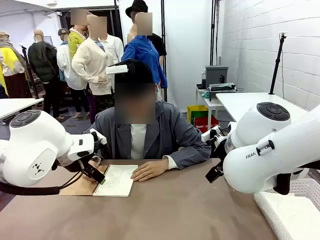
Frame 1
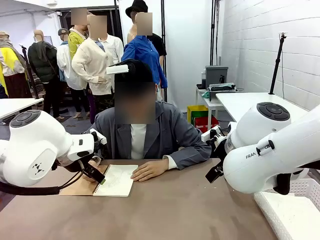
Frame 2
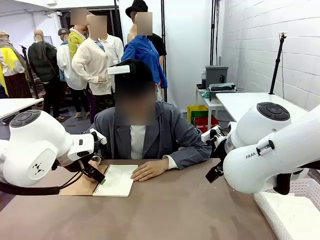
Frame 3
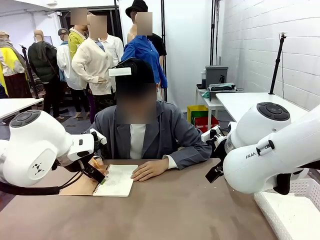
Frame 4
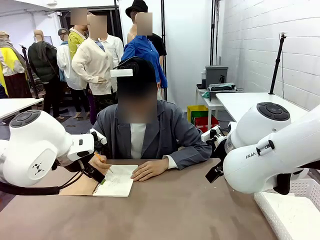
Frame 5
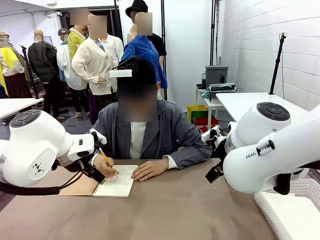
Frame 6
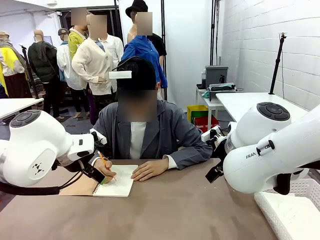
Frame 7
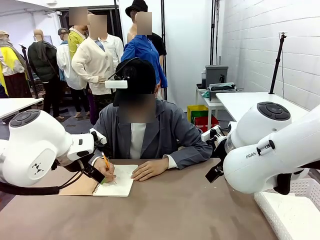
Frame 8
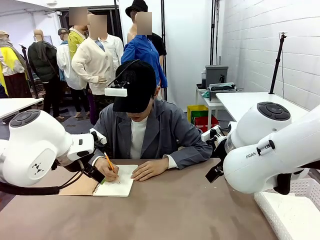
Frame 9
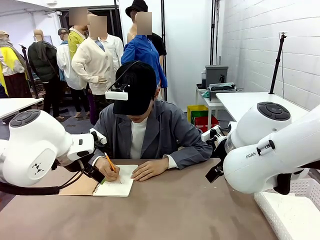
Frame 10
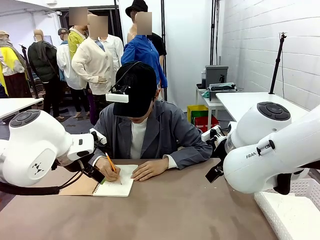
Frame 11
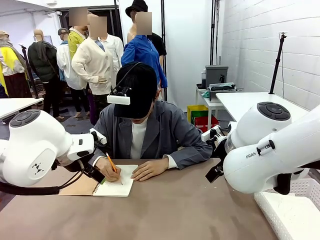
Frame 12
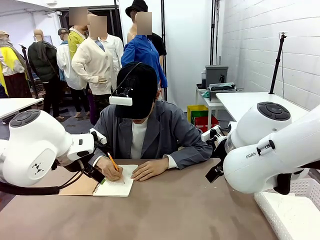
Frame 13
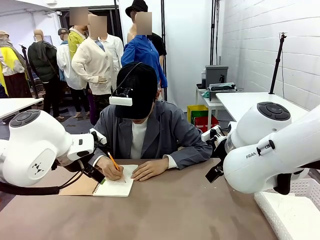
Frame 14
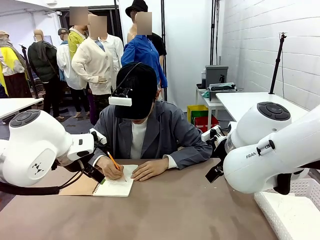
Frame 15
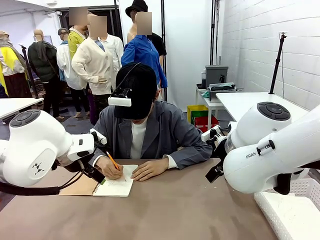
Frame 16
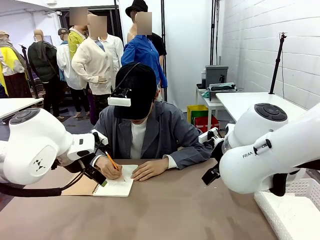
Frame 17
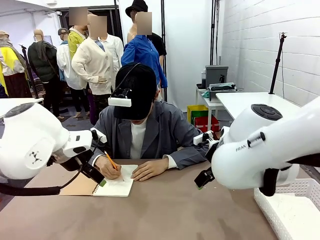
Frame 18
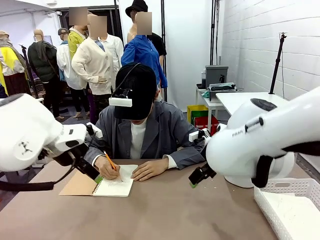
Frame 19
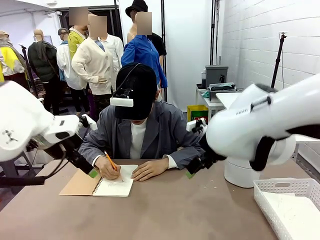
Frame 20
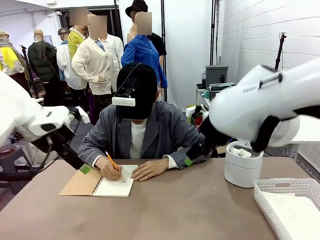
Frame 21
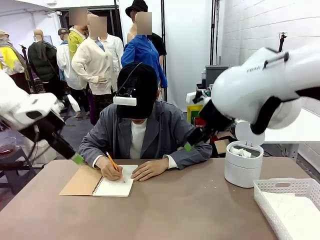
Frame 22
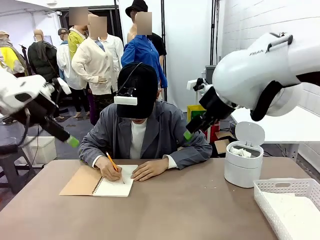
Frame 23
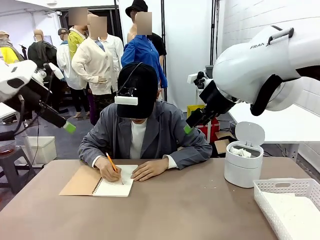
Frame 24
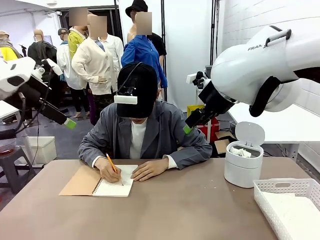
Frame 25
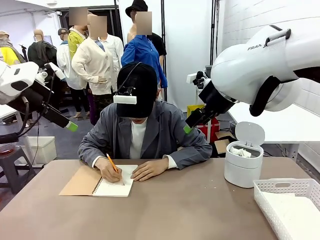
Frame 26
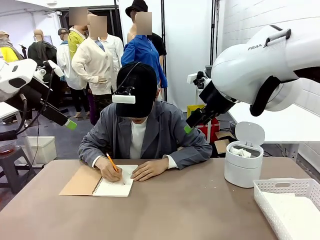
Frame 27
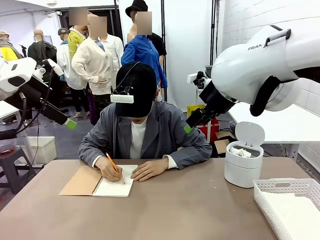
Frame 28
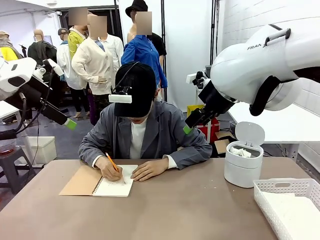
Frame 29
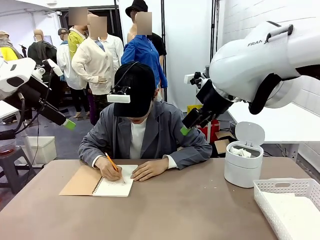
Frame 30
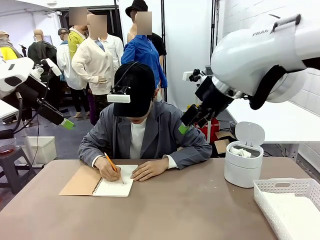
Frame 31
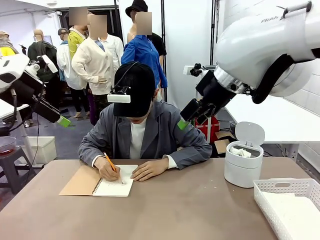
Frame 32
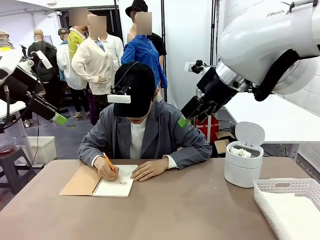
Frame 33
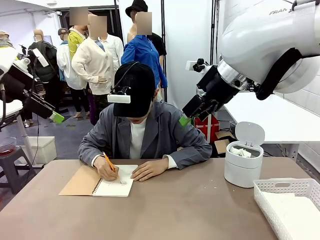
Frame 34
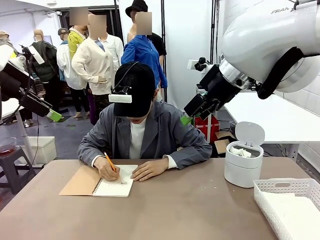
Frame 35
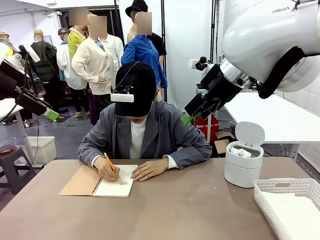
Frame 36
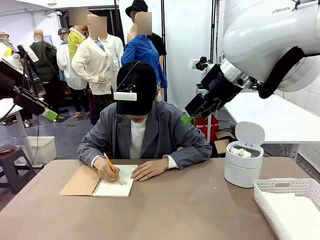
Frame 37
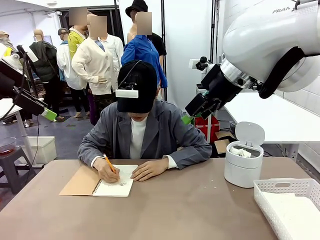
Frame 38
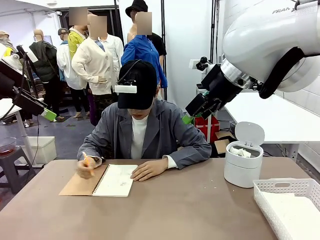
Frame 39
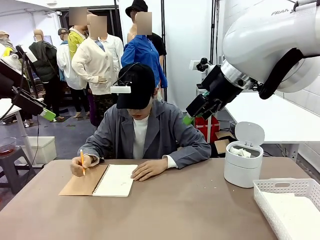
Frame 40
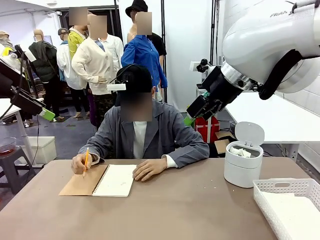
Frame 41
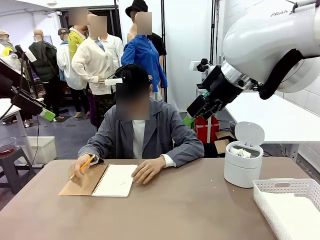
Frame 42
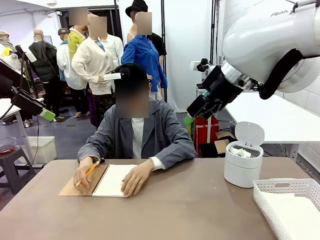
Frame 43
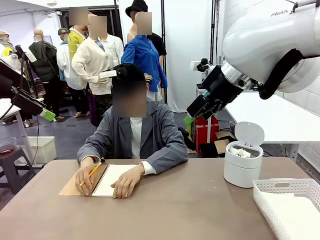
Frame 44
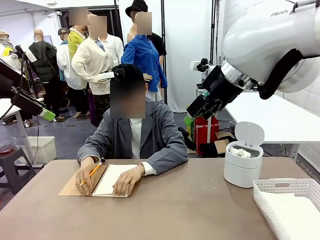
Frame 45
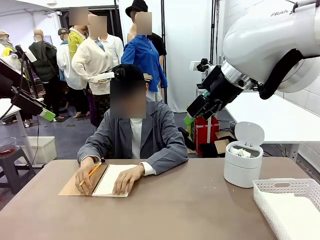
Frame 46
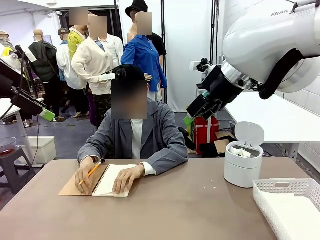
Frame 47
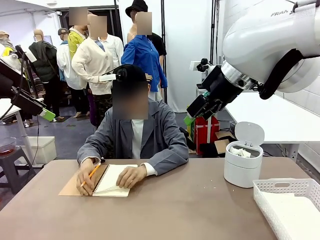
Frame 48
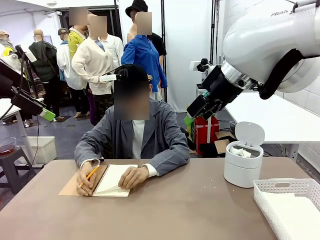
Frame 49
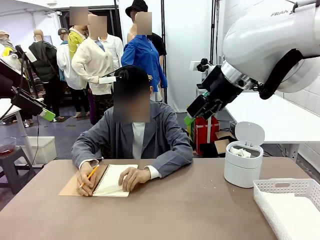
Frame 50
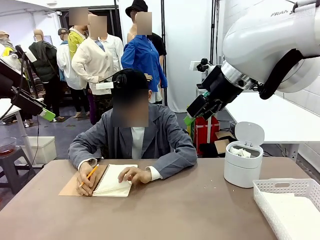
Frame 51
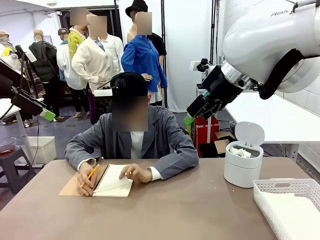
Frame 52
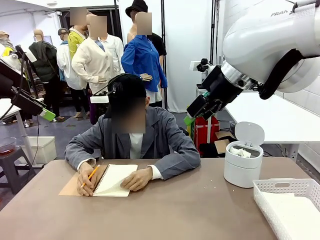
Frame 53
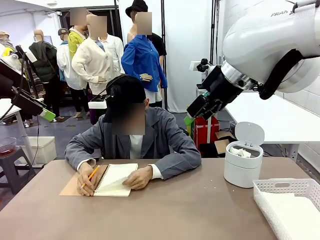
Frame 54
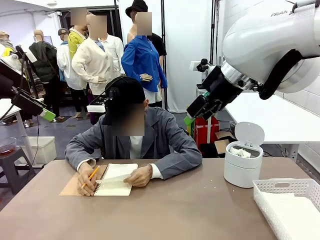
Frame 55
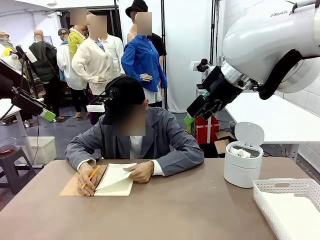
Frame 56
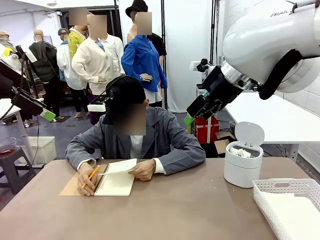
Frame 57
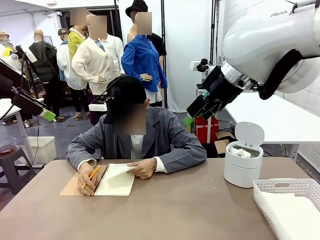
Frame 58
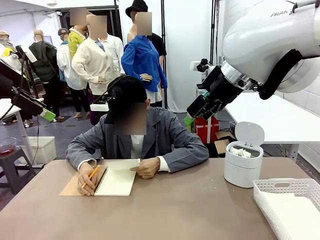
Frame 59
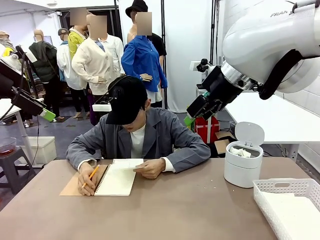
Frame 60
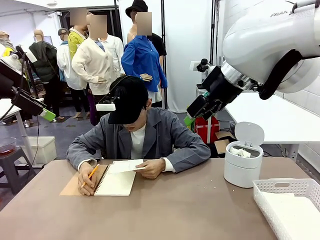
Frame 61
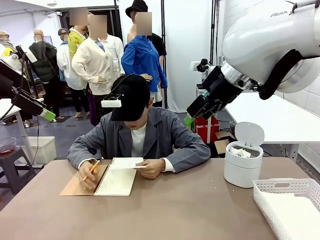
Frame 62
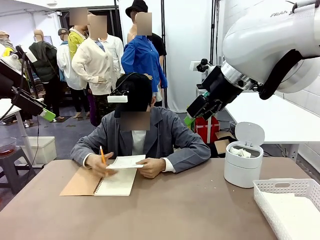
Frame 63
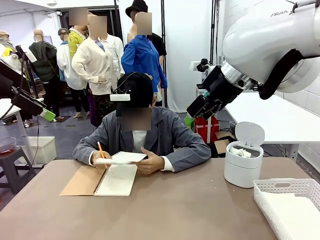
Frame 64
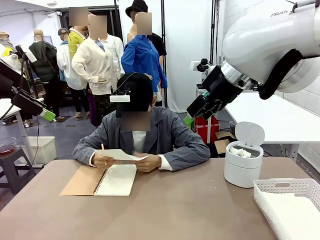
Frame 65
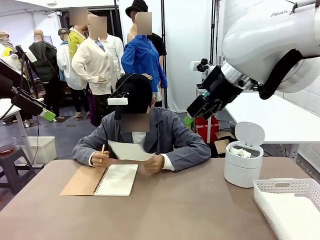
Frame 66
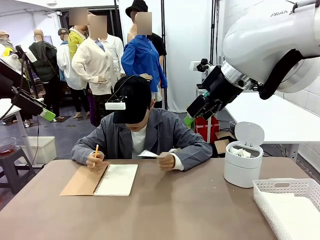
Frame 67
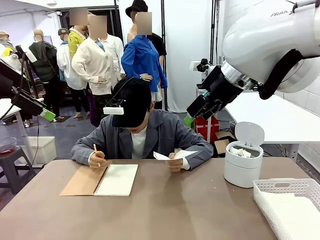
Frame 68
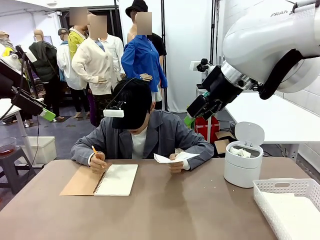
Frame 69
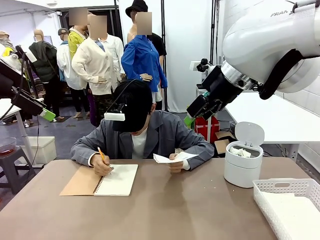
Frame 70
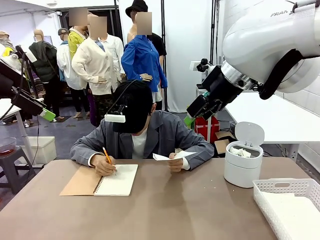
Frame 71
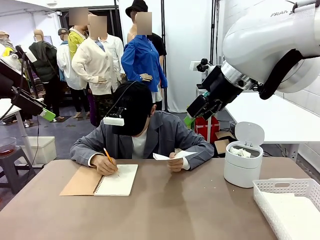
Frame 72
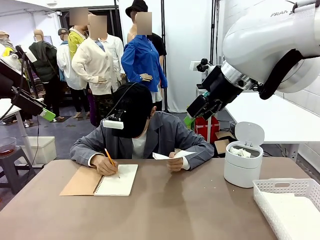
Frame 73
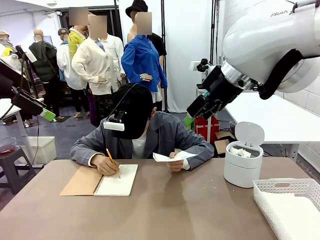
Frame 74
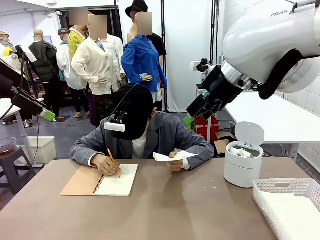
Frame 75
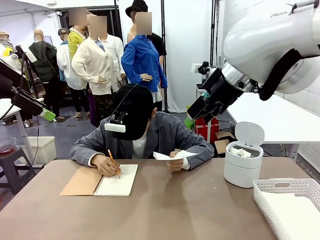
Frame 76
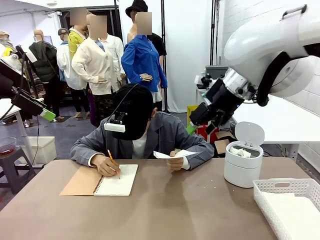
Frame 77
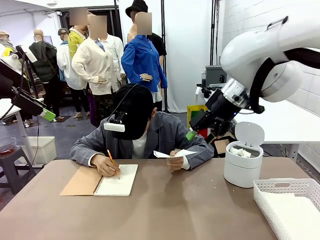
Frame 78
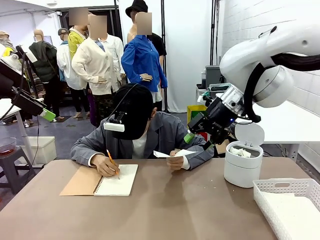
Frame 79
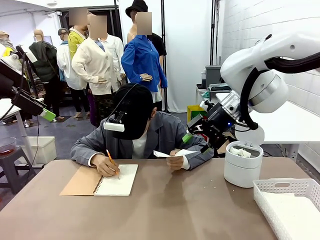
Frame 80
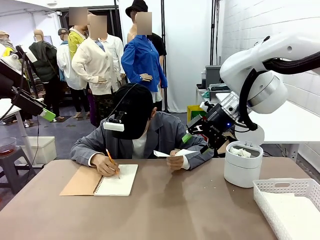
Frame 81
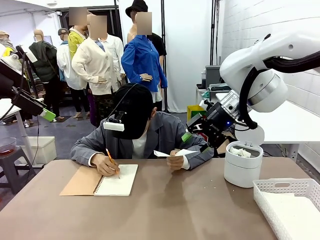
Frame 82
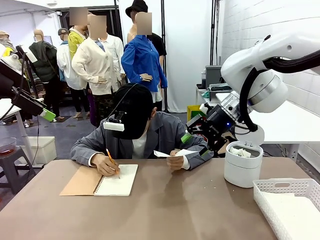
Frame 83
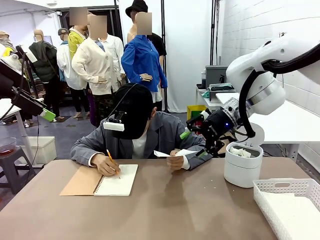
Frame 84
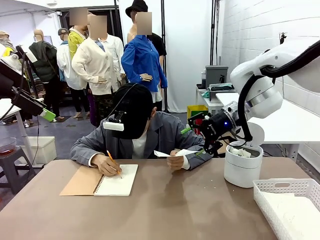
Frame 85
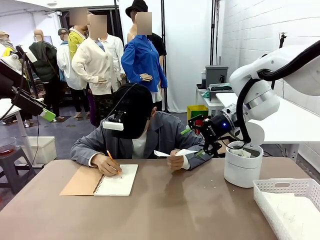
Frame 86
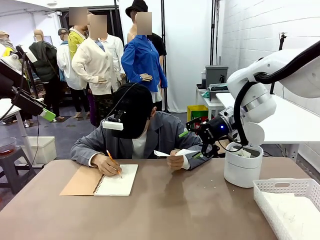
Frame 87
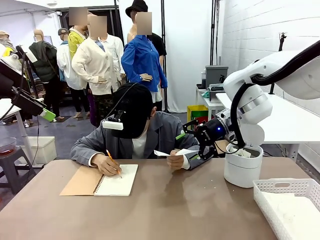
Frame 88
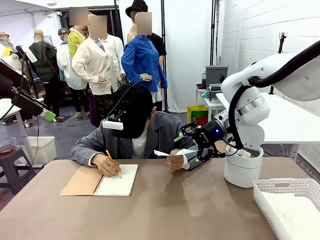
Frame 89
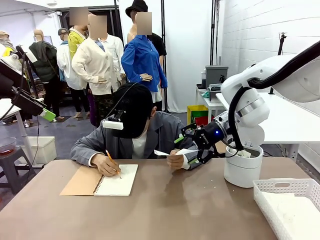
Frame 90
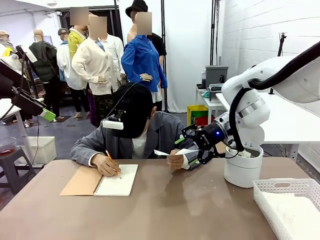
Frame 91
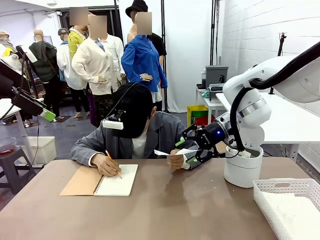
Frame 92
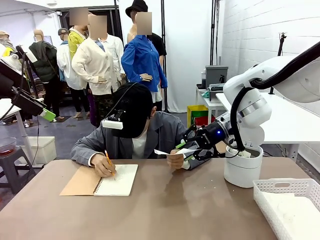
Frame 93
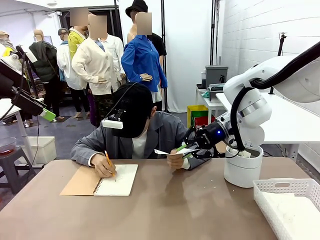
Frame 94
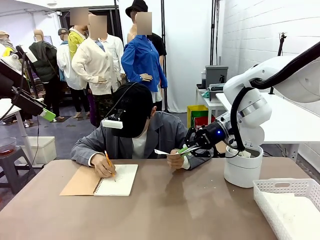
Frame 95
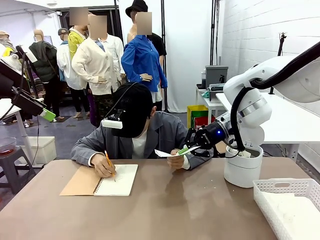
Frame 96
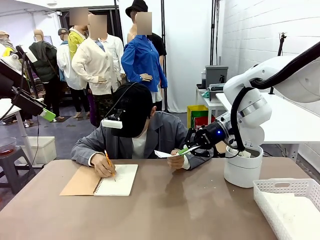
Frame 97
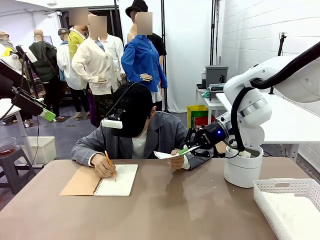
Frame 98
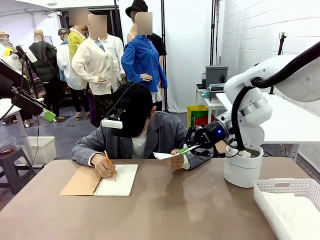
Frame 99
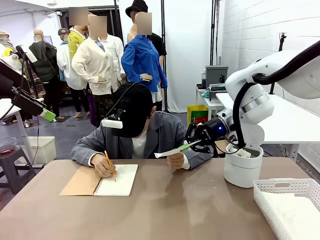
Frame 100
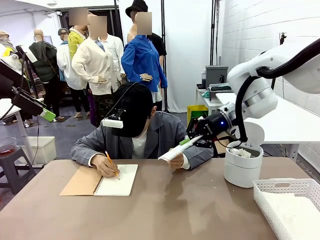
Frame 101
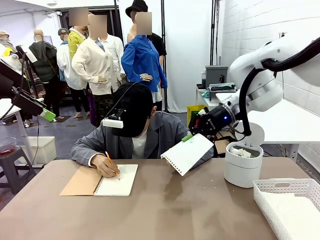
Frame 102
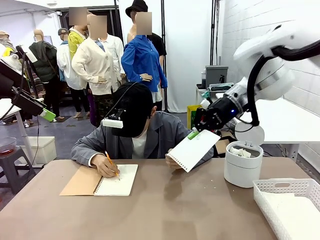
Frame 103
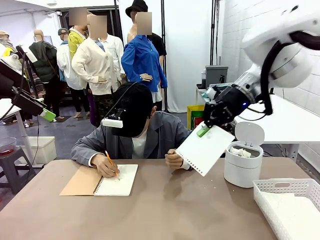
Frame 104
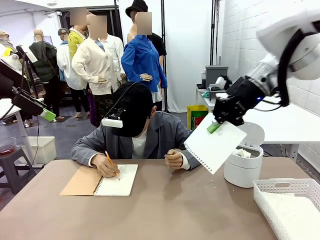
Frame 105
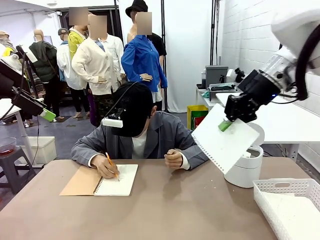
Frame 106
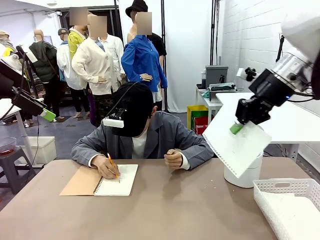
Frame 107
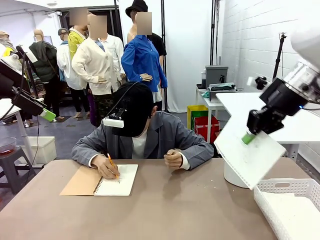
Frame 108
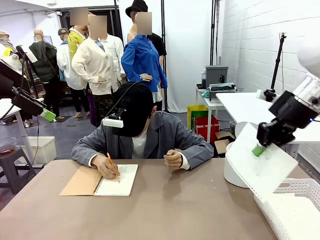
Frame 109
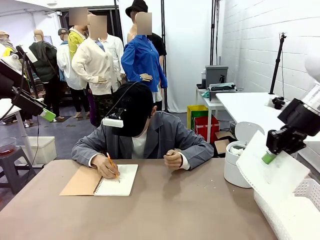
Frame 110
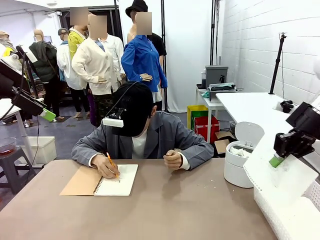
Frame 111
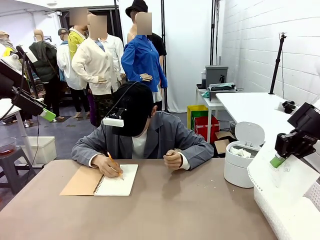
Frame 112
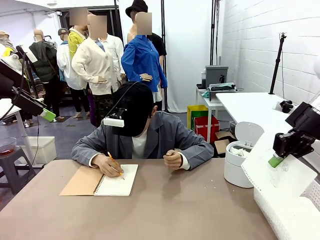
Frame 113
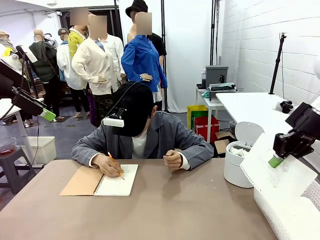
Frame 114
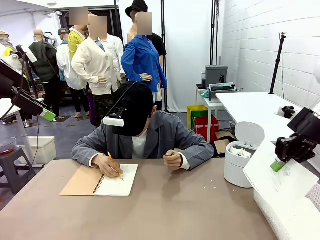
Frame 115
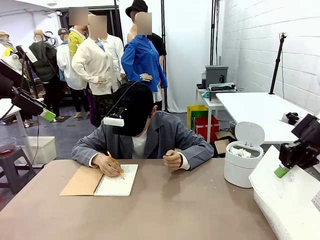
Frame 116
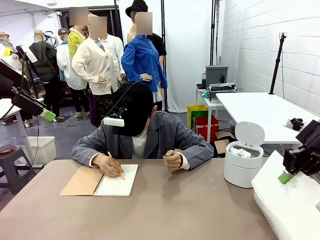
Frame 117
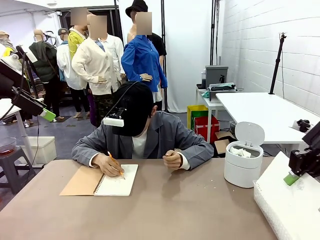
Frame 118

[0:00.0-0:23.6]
Task: Sort the paper based on its condition.
Robot: If a person hands you a paper, place it in the Organizing basket , and if it's crumpled, put it in the Trash can.
Person: Tear out a page from the spiral notebook. Hand the torn page to the robot or crumple it and throw it to the center of the table. Tear out a page from the spiral notebook.
